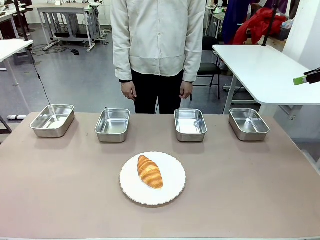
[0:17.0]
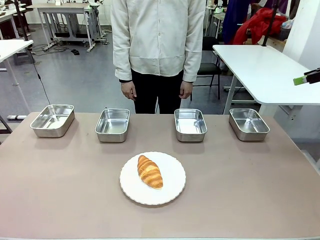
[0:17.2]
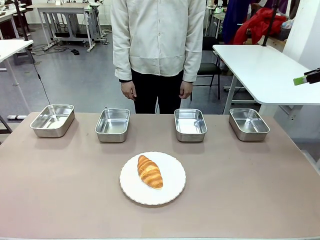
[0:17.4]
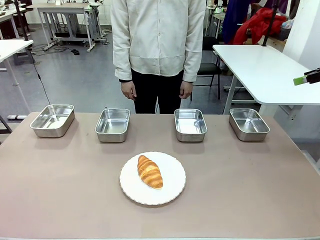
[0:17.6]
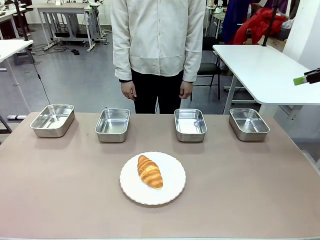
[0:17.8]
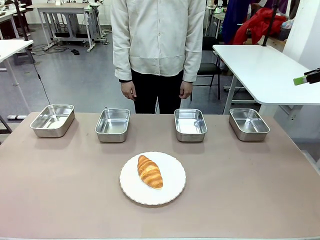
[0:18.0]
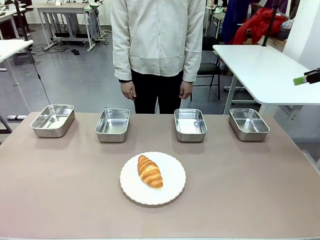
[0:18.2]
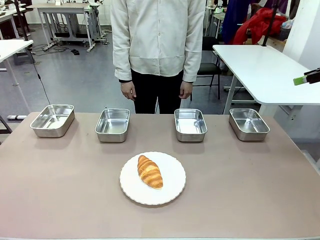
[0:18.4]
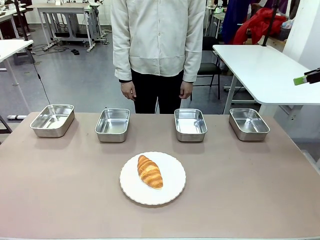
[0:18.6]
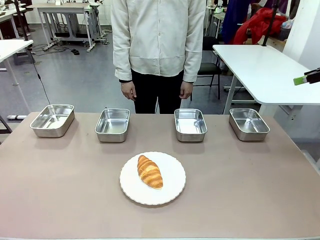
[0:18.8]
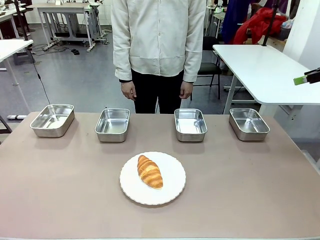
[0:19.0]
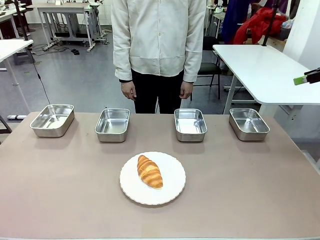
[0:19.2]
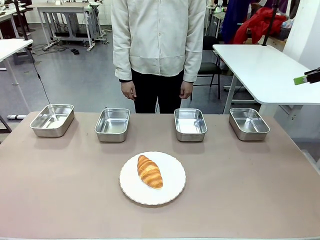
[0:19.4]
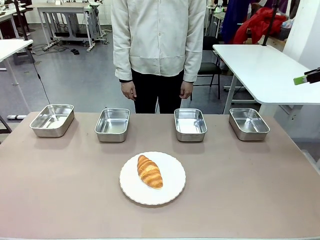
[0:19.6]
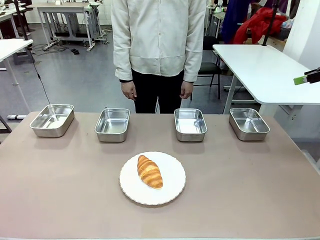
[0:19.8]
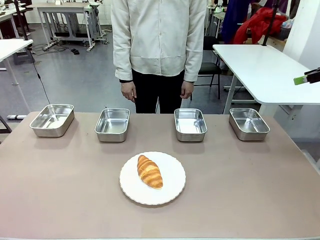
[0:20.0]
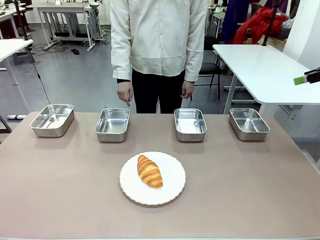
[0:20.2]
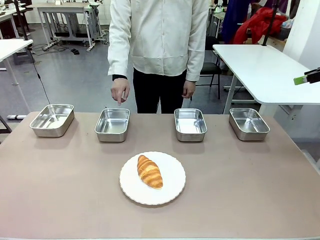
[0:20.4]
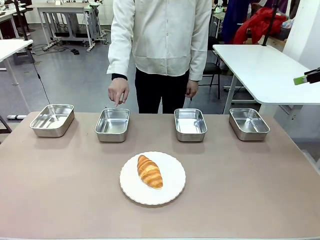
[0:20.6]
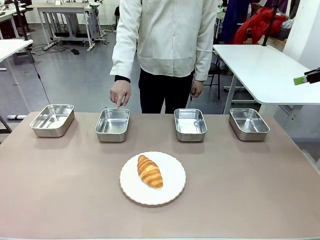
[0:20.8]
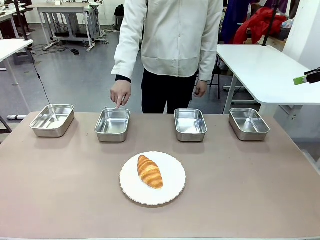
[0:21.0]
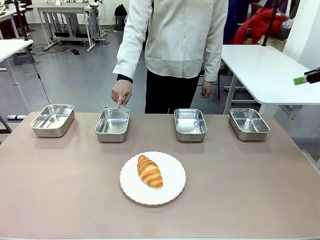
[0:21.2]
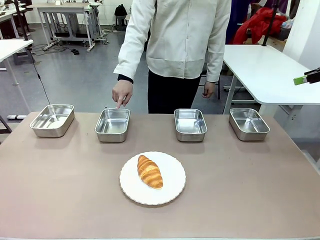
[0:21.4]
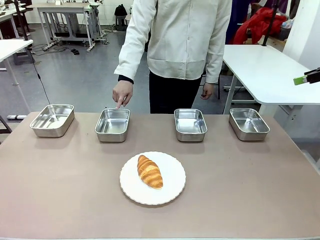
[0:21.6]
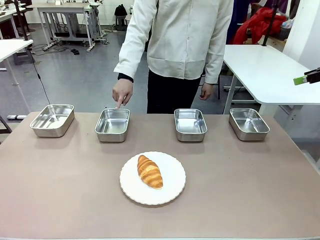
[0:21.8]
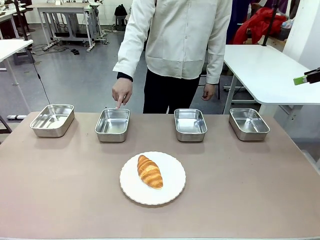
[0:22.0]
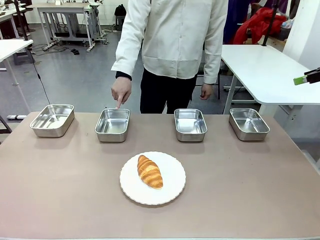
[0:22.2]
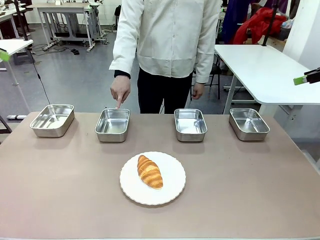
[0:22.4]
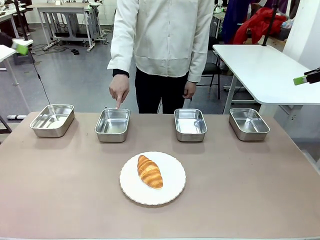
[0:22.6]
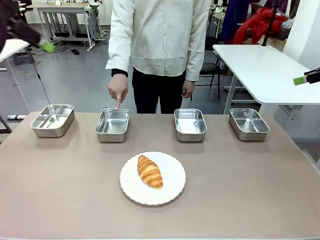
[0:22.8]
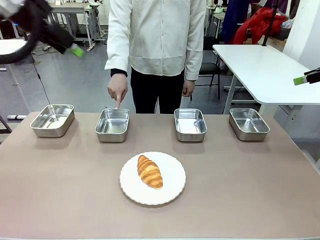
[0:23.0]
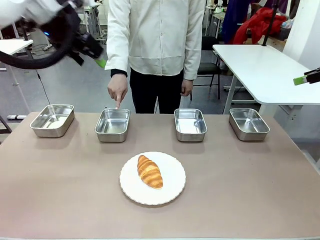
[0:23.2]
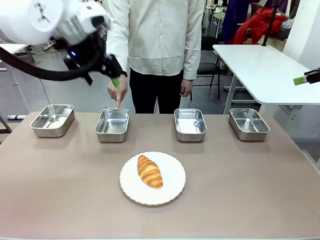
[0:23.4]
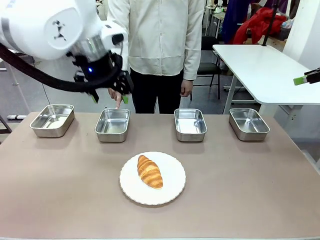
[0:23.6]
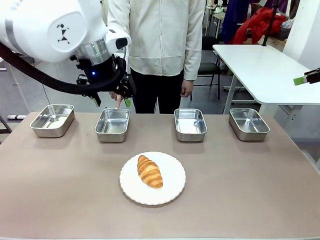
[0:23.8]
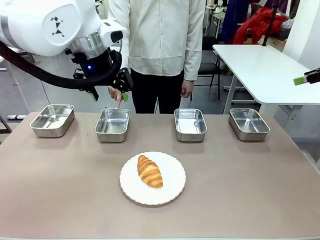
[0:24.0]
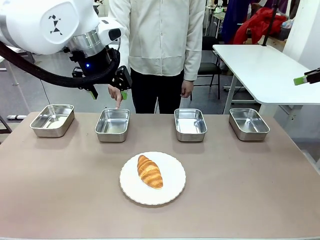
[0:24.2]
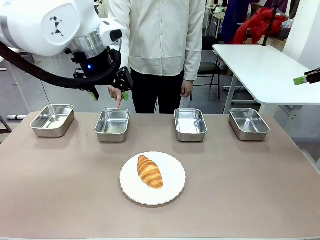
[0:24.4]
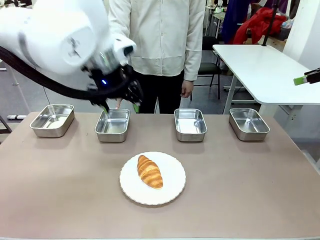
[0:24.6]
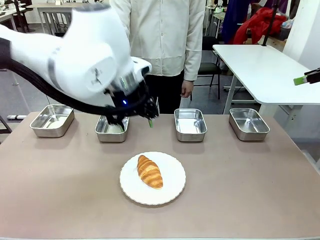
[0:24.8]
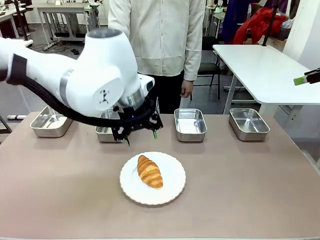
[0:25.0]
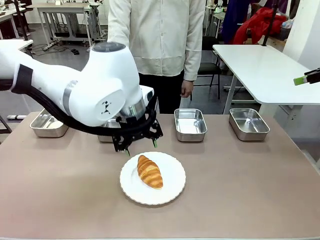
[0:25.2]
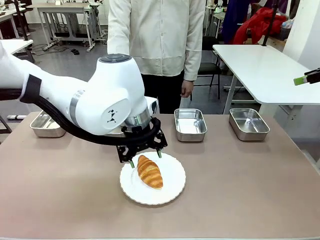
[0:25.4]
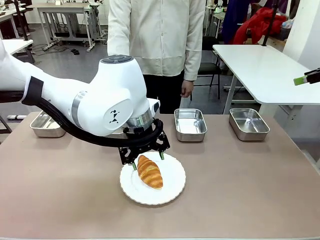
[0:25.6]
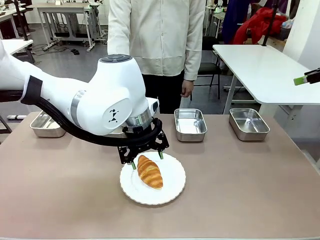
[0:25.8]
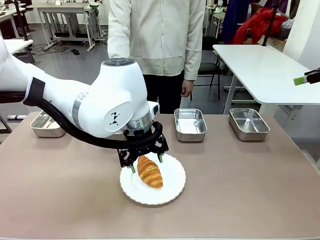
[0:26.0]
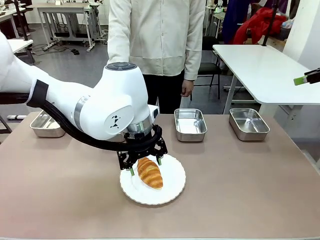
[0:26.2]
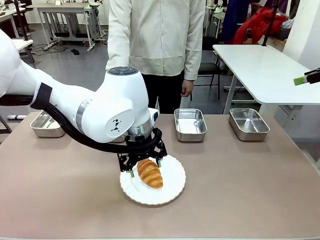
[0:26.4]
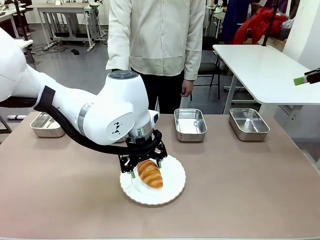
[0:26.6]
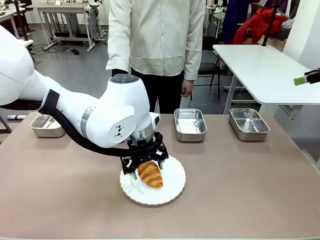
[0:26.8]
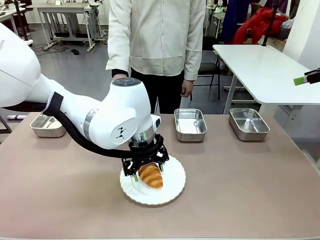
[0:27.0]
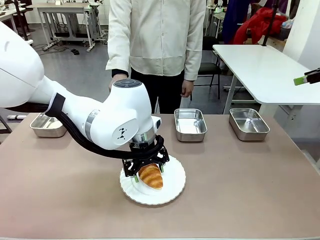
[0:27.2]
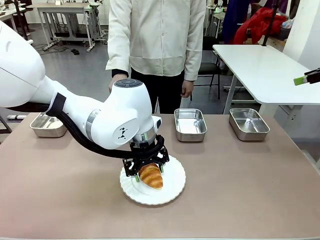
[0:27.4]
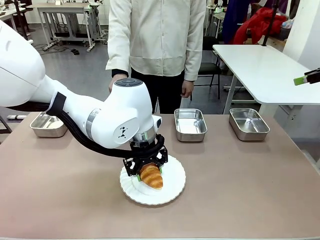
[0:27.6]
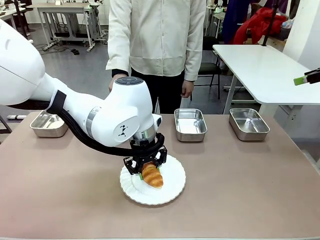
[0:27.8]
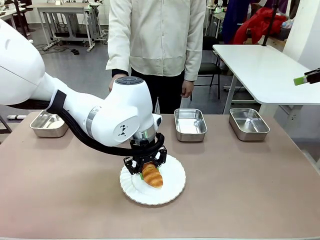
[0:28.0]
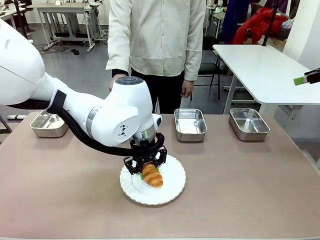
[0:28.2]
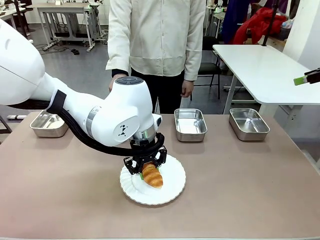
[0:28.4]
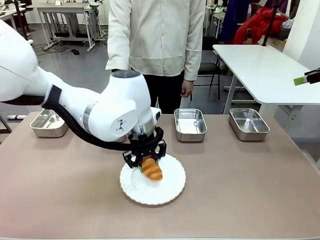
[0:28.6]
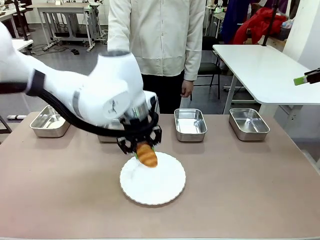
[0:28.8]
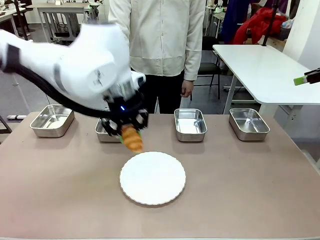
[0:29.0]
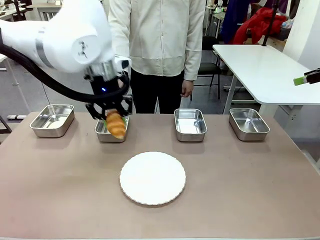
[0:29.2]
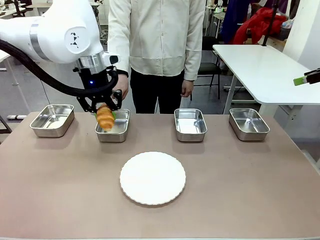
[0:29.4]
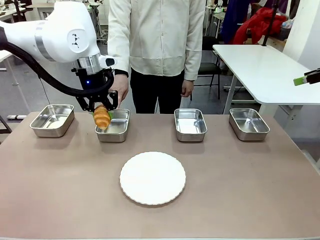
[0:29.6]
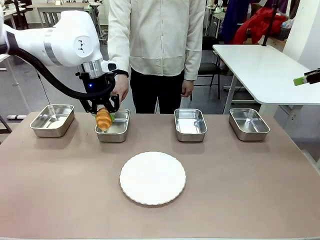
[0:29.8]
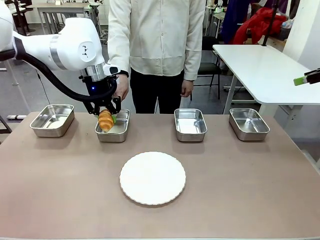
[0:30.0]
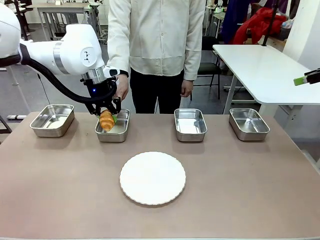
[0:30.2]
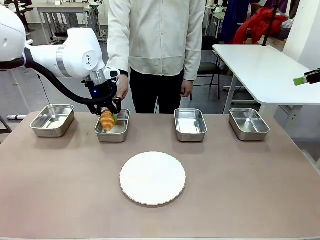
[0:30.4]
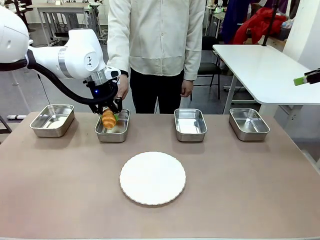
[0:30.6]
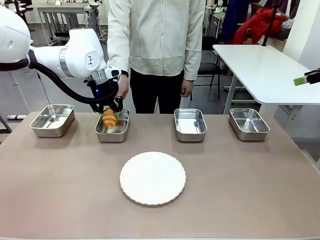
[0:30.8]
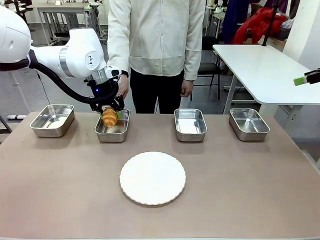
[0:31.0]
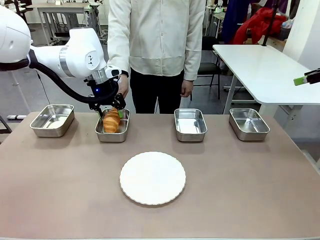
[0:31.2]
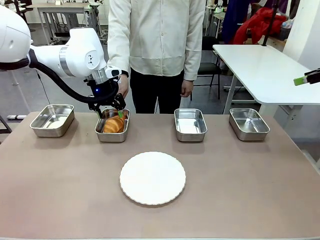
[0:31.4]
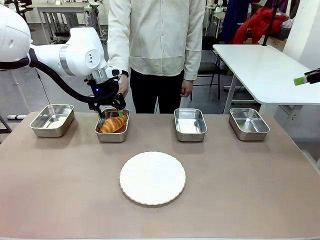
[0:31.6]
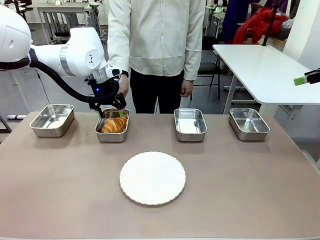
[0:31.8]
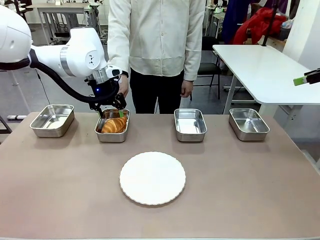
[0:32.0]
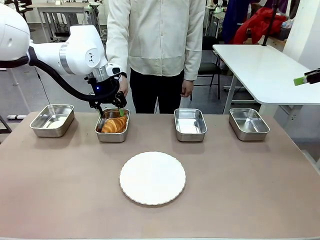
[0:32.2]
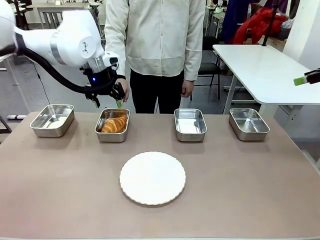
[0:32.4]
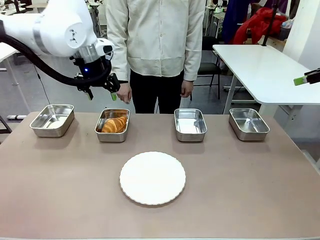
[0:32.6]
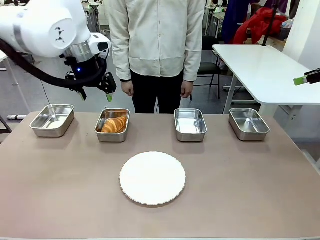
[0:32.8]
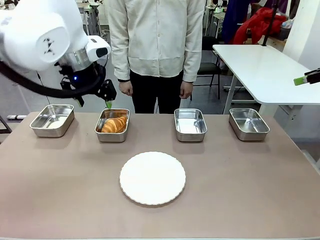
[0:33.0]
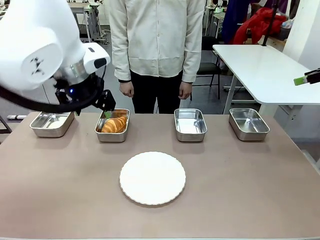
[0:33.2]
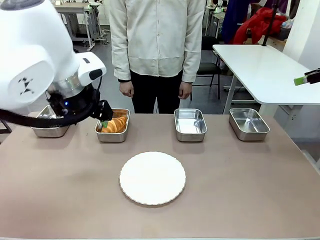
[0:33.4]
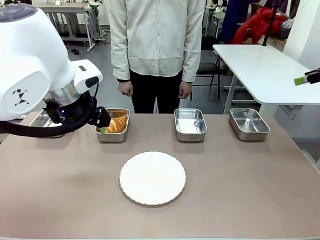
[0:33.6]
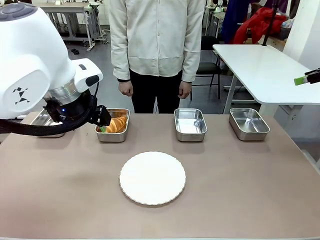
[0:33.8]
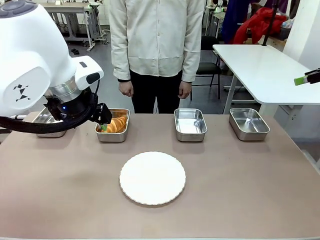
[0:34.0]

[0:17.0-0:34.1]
Task: Place the bread in the container.
Robot: Place the Butter Roll into the Airtight Container indicated by the human.
Person: A person randomly selects and points to an Airtight Container.
